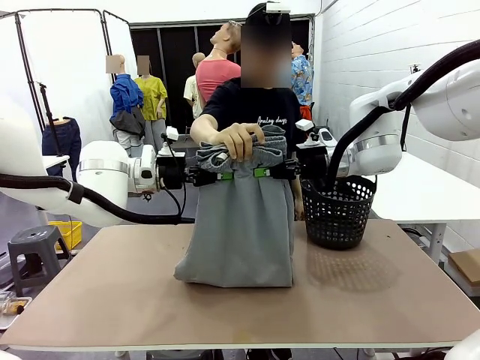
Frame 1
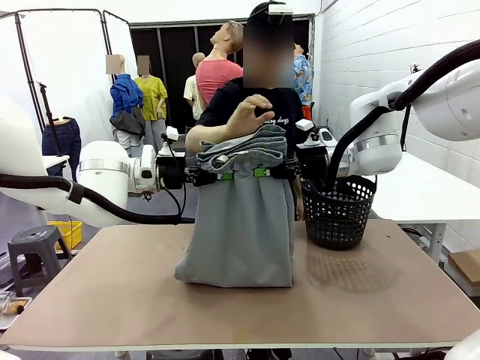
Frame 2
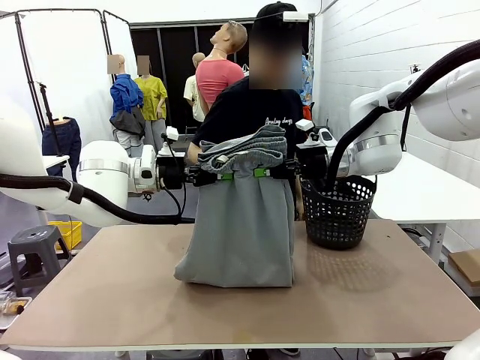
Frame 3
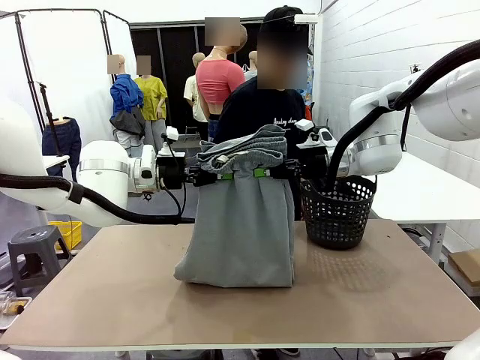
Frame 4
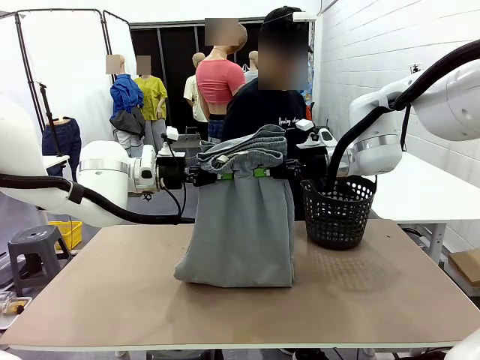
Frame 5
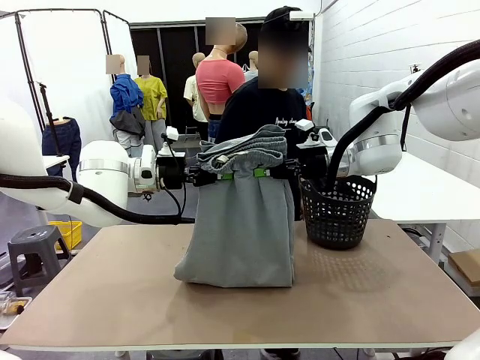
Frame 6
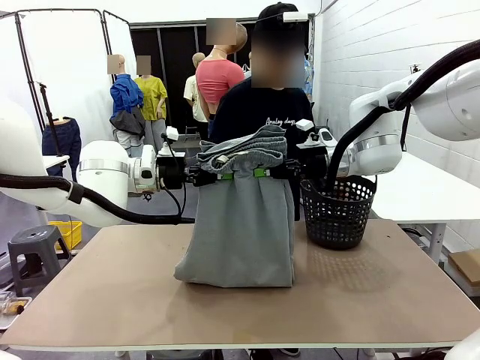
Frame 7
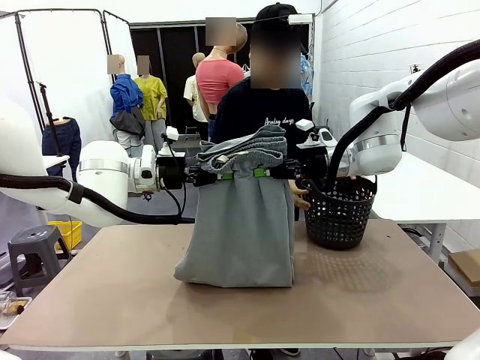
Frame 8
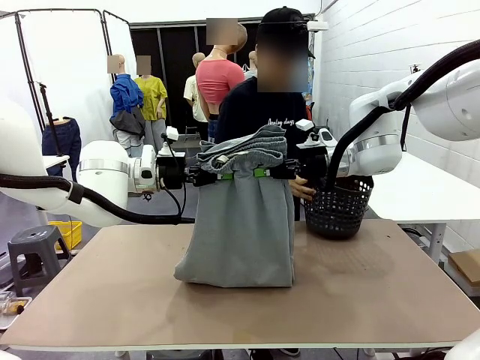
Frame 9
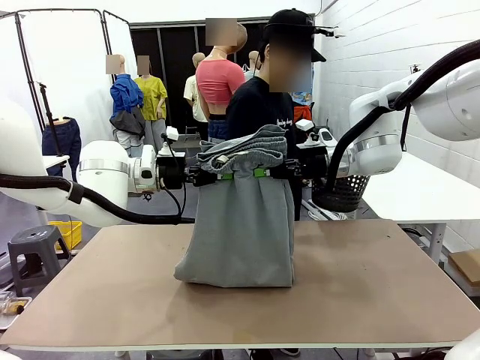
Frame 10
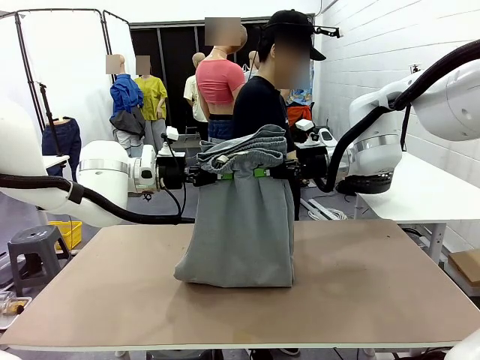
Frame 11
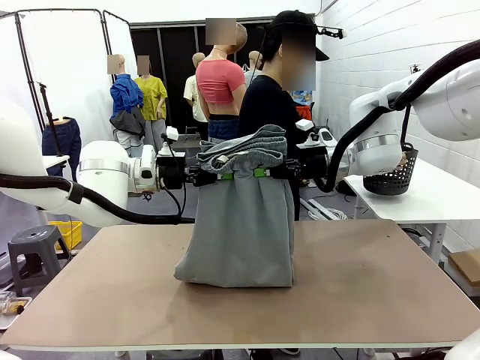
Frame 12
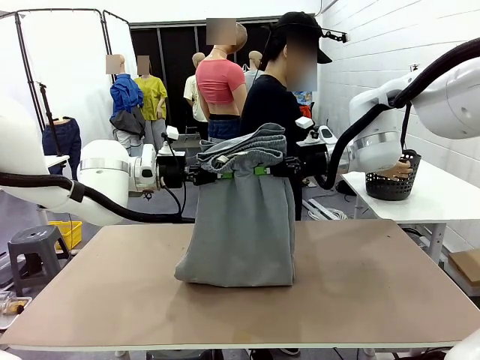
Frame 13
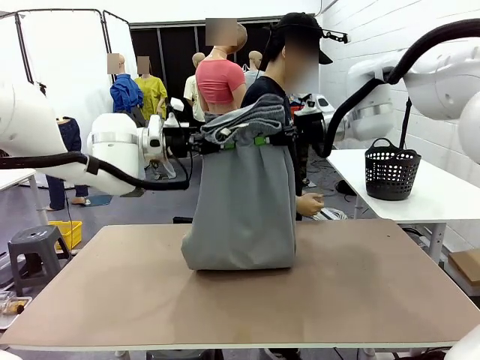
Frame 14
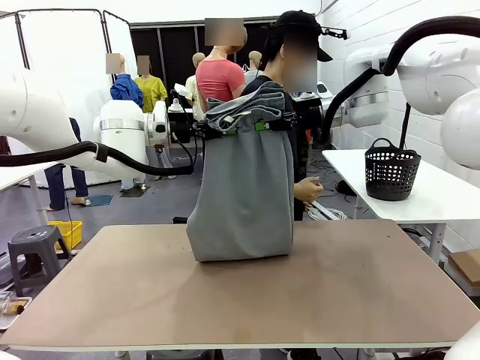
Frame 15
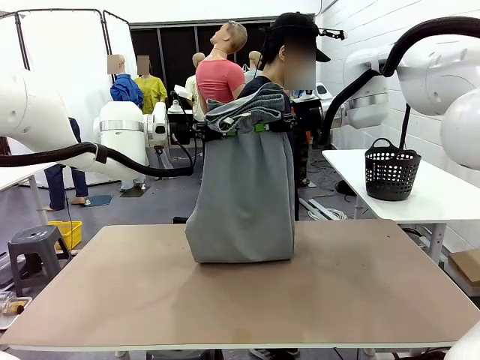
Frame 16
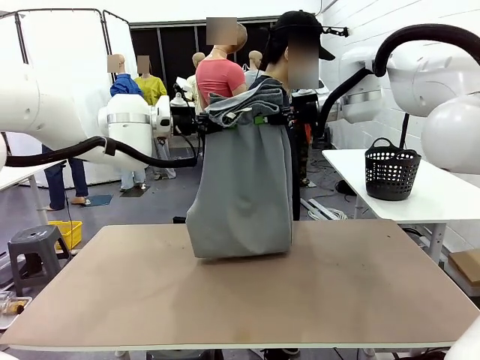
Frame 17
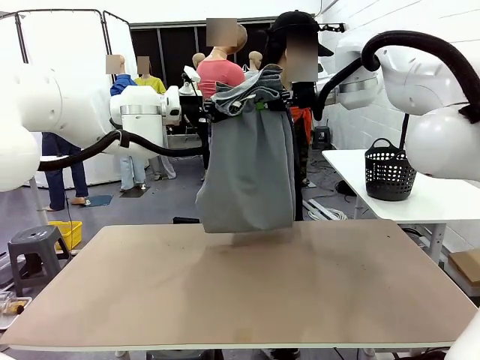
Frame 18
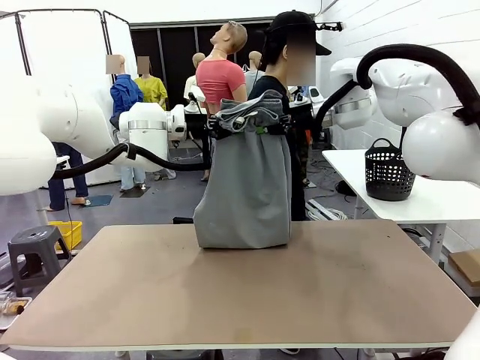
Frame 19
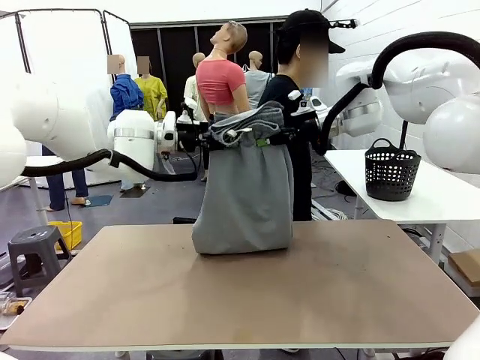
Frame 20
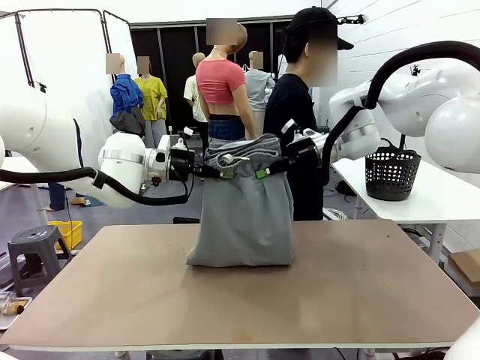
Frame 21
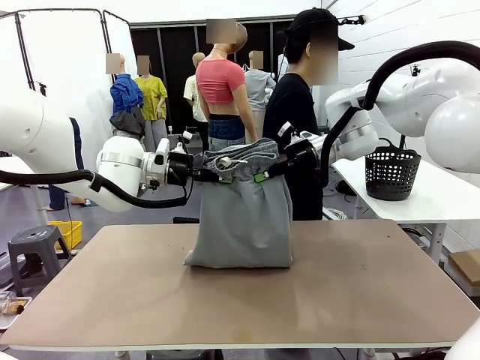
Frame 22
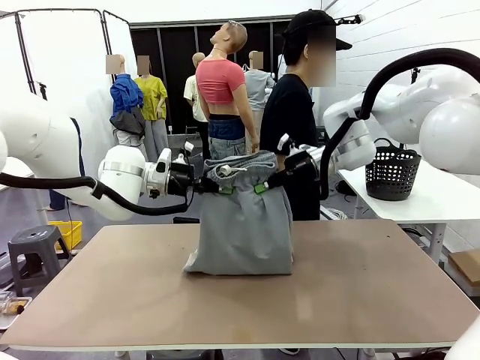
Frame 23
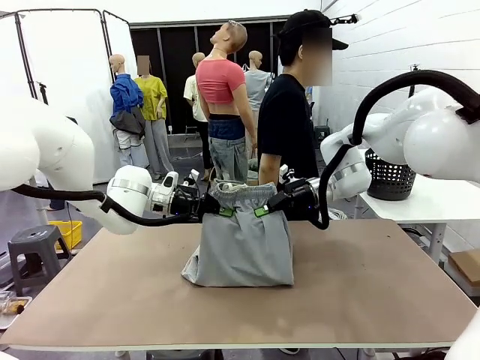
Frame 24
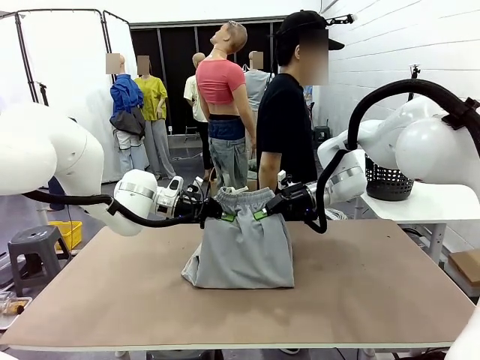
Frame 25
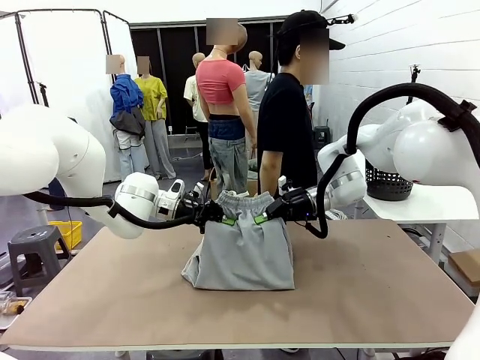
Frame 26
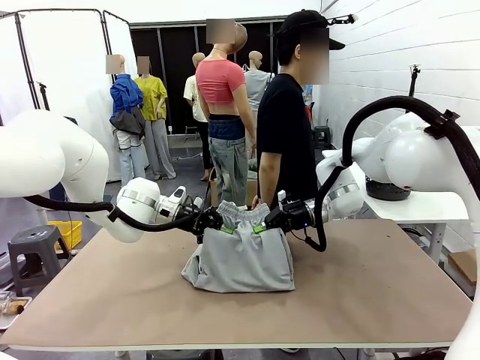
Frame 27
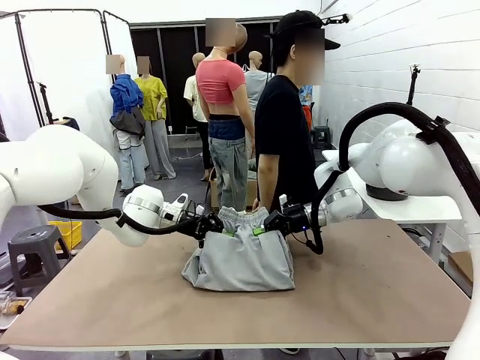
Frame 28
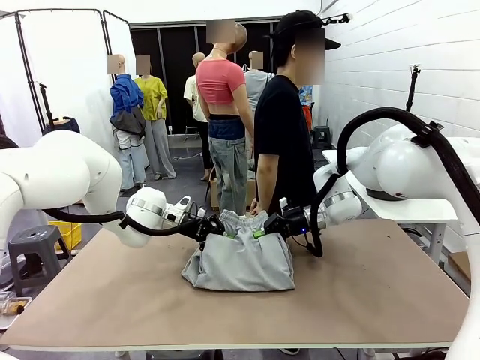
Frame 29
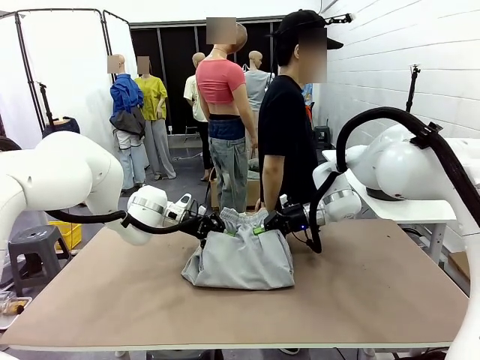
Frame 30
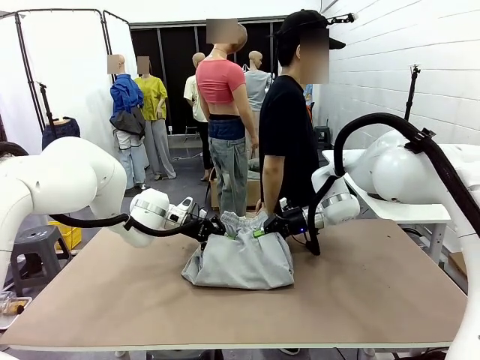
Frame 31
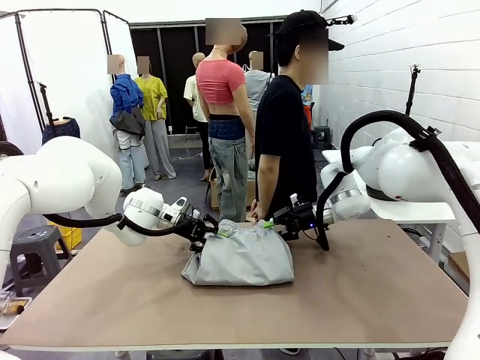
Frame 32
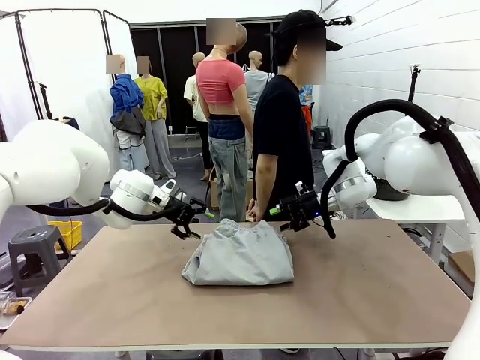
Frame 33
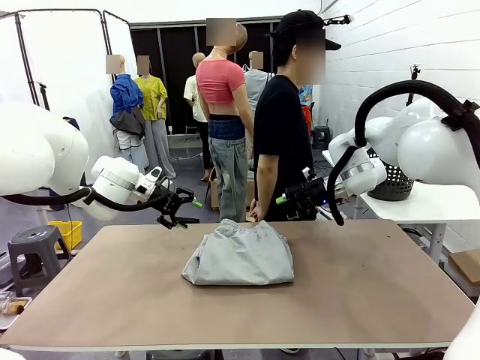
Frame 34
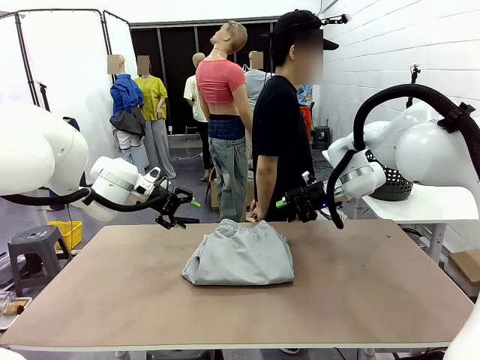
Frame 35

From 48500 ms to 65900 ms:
Task: Fold the training pants.
Robot: Fold the Training pants in half.
Person: Move the laundry basket to the right of the human table.

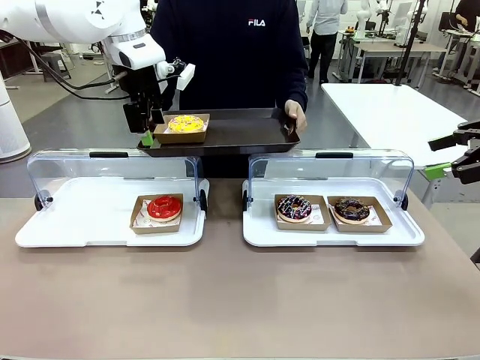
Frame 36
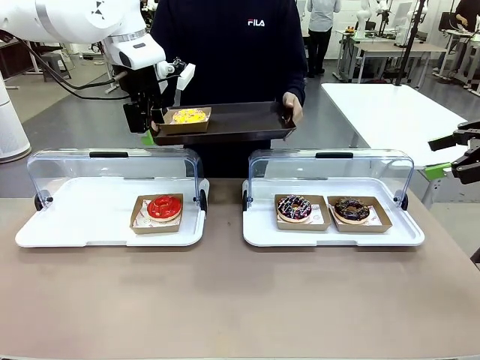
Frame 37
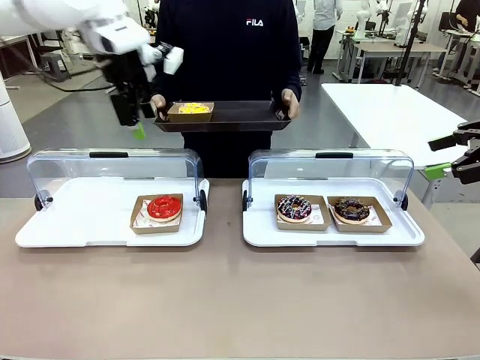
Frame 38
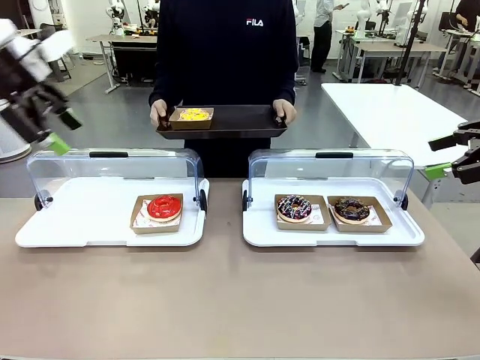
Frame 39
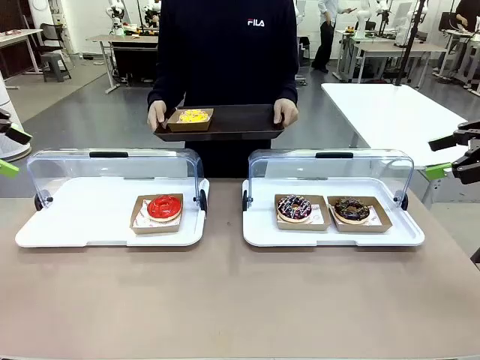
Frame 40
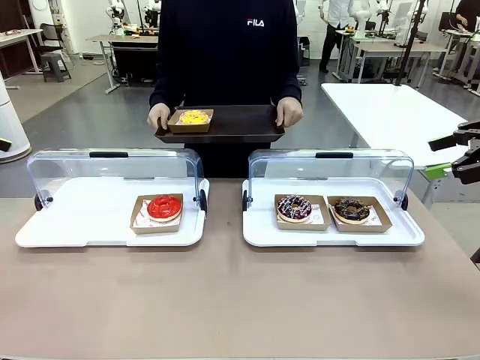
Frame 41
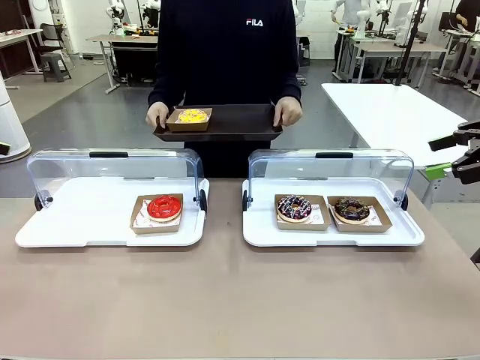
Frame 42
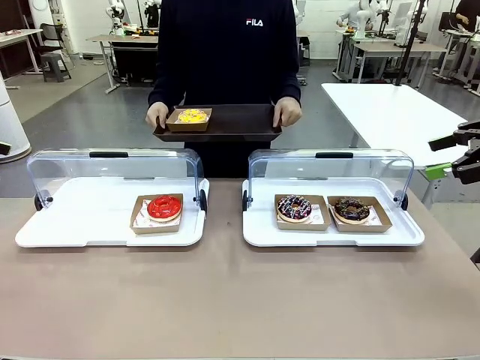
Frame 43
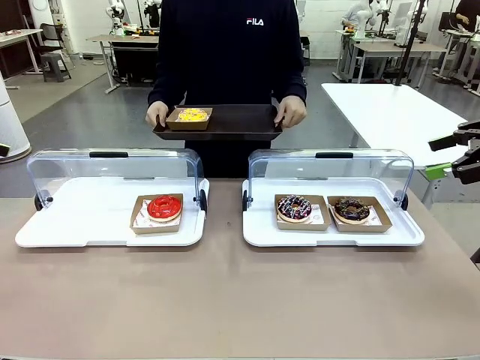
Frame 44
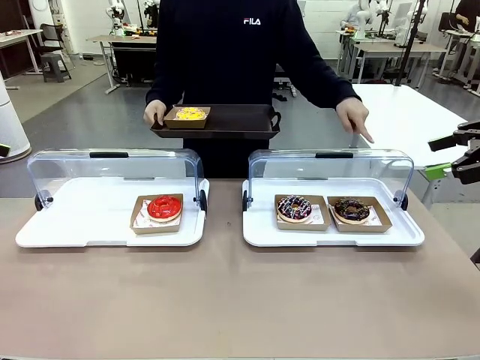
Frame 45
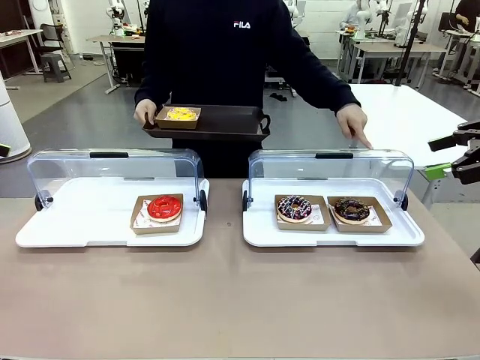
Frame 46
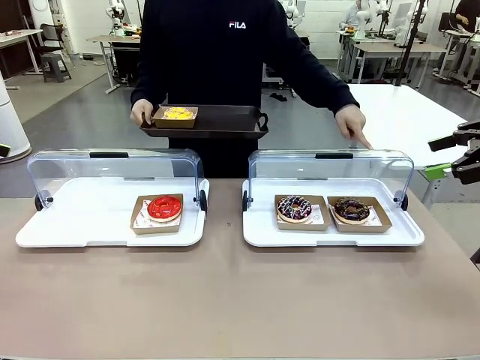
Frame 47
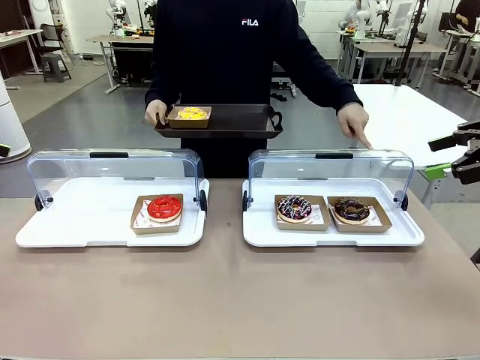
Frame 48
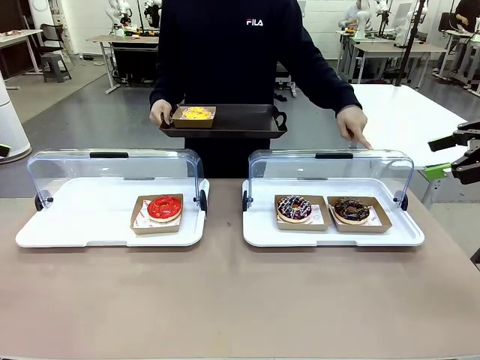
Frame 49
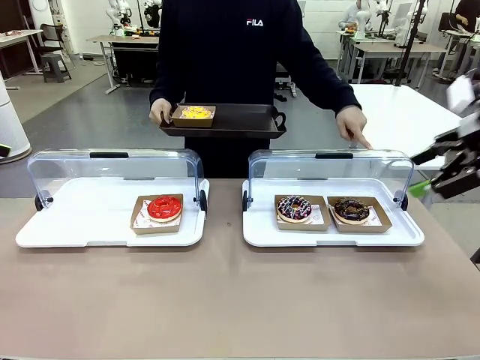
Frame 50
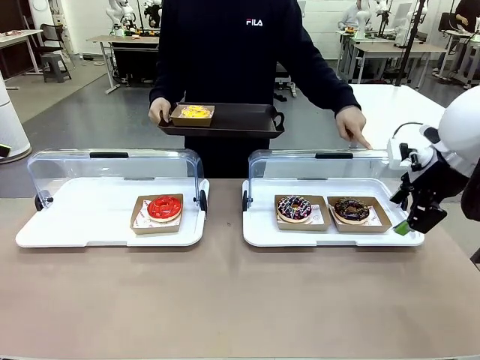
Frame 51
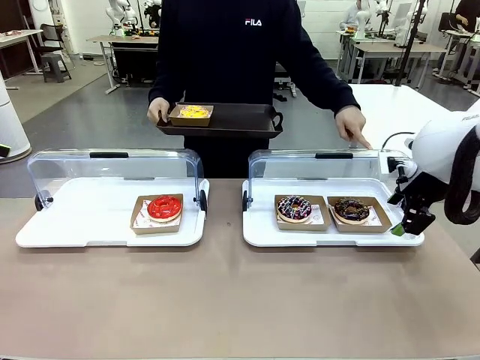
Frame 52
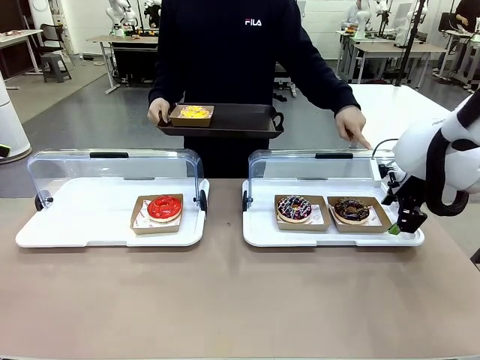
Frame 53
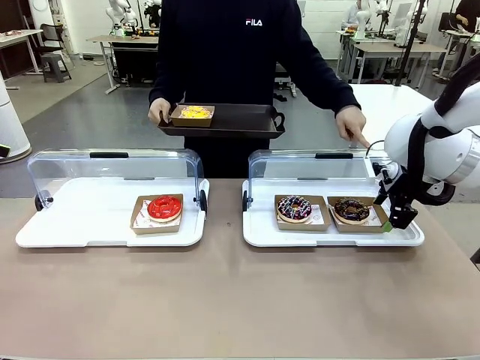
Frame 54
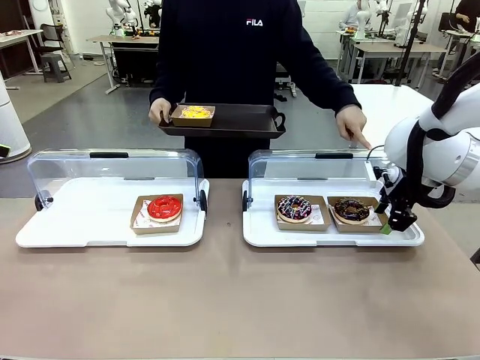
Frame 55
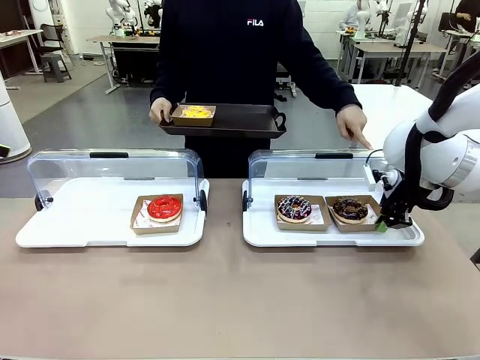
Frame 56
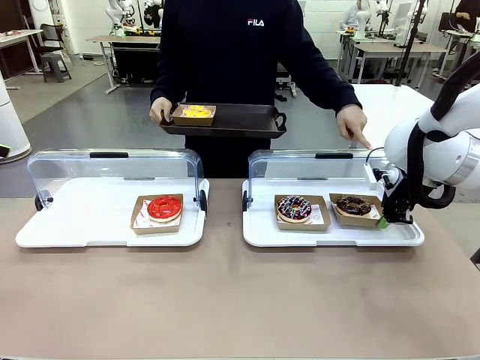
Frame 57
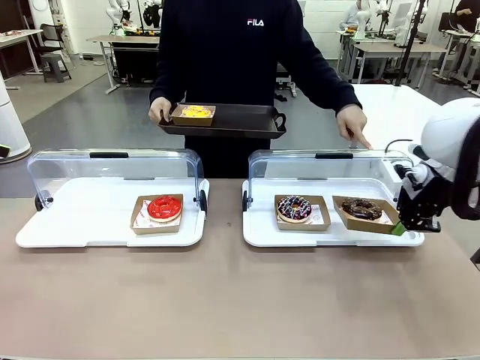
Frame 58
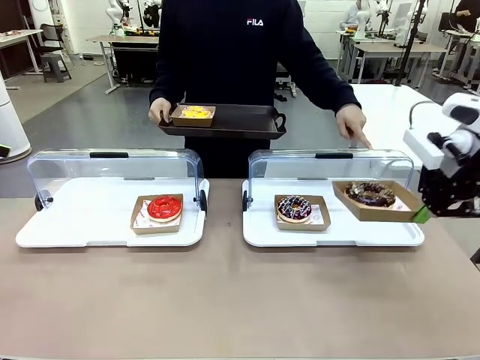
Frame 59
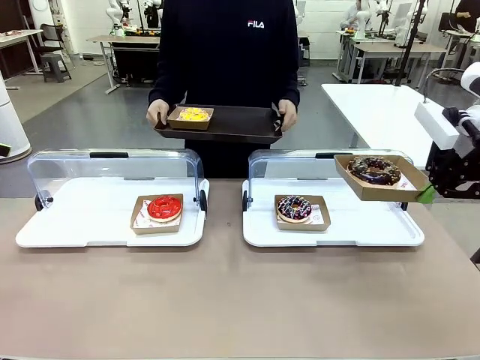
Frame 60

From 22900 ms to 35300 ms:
Task: Provide the desired donut to the person.
Robot: Pick up and lift the Paper togo box containing the Donut pointed at by the person.
Person: Point to one donut. Lift the tray onto the Roll-Top Bakery Case.
